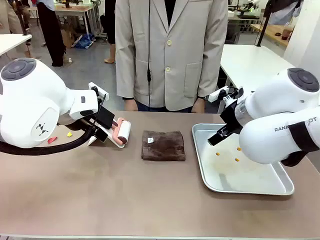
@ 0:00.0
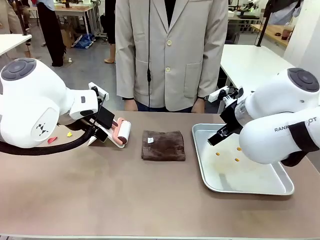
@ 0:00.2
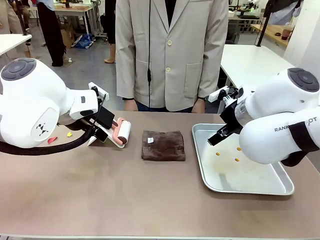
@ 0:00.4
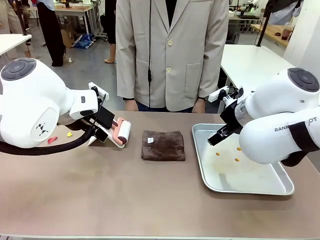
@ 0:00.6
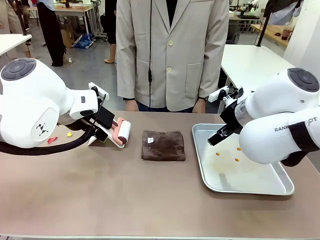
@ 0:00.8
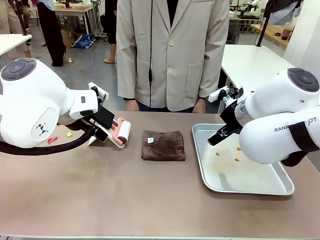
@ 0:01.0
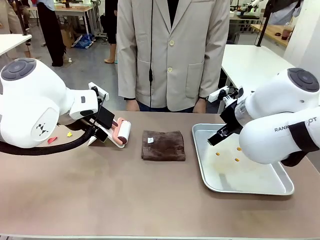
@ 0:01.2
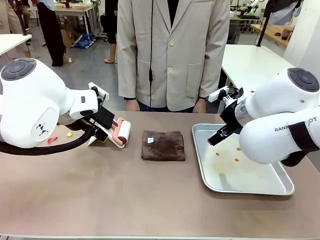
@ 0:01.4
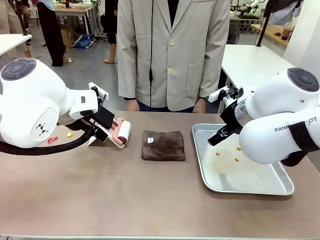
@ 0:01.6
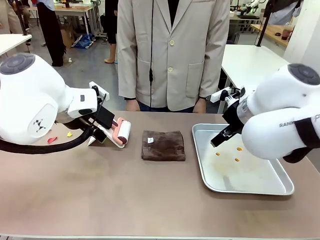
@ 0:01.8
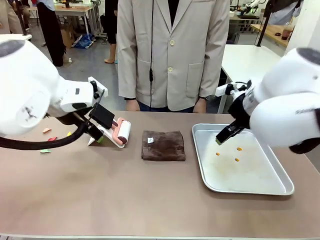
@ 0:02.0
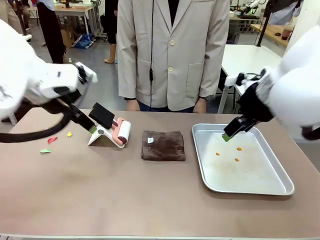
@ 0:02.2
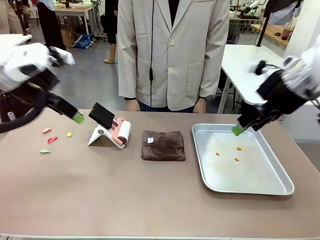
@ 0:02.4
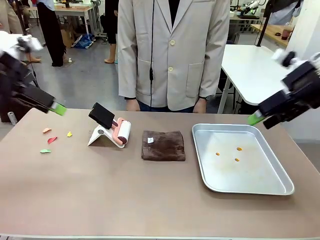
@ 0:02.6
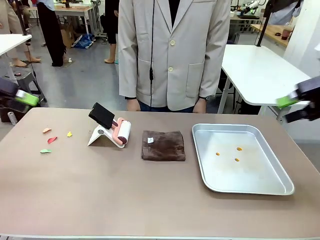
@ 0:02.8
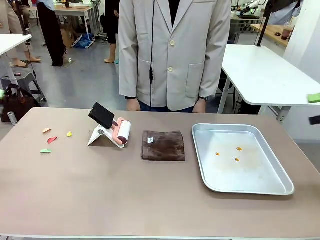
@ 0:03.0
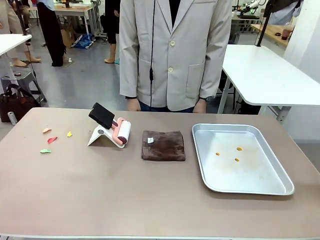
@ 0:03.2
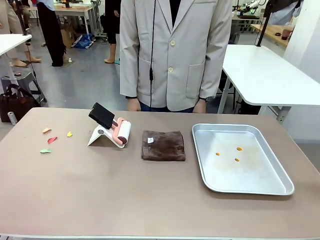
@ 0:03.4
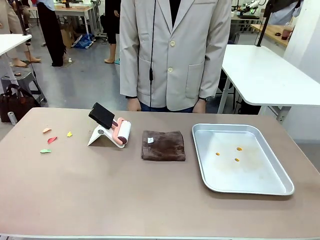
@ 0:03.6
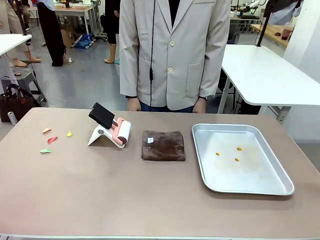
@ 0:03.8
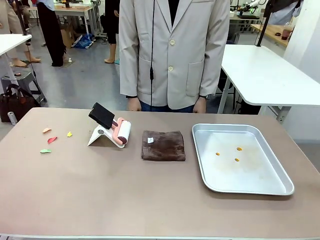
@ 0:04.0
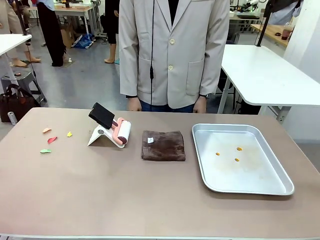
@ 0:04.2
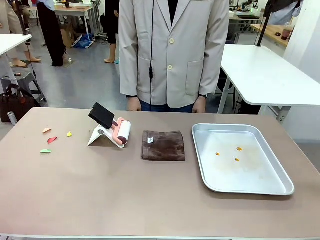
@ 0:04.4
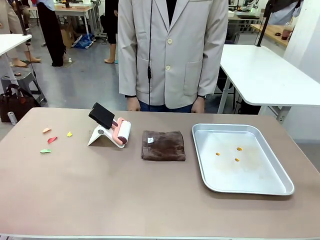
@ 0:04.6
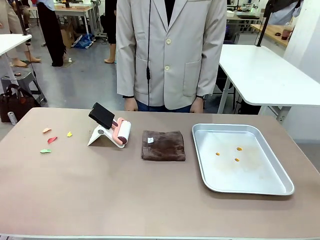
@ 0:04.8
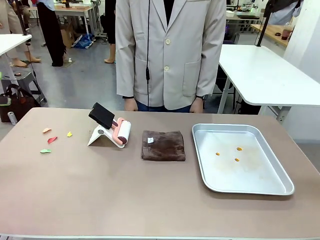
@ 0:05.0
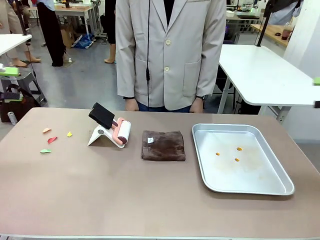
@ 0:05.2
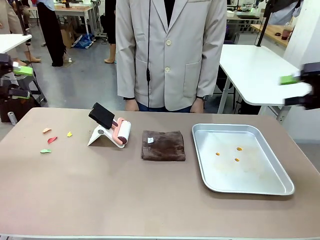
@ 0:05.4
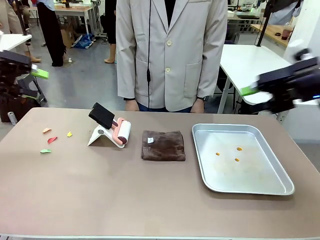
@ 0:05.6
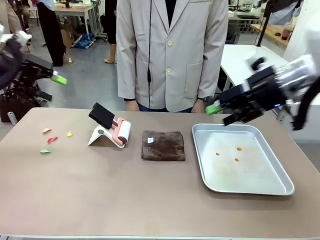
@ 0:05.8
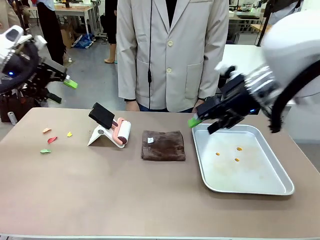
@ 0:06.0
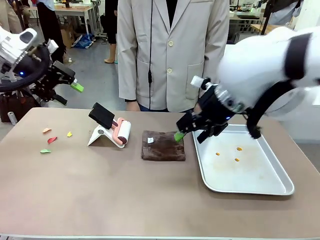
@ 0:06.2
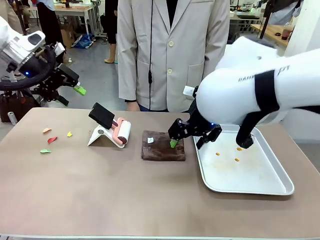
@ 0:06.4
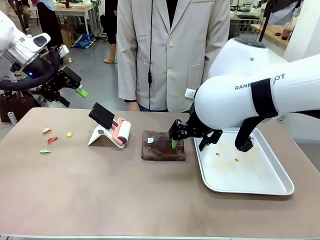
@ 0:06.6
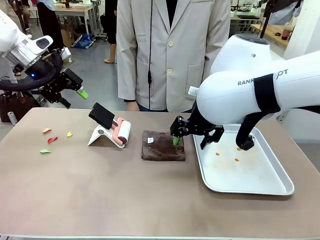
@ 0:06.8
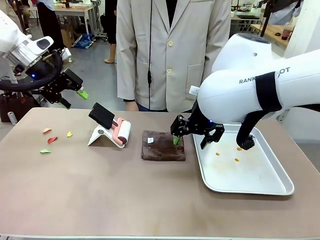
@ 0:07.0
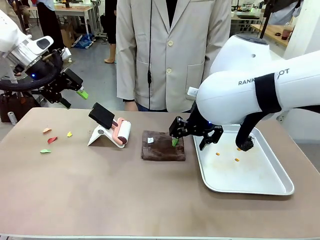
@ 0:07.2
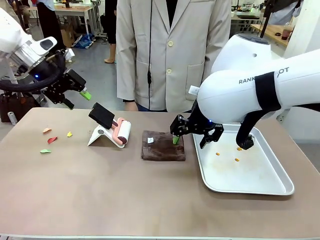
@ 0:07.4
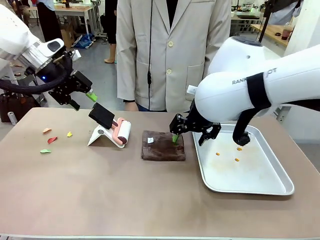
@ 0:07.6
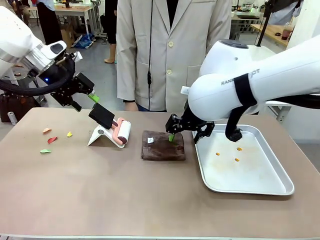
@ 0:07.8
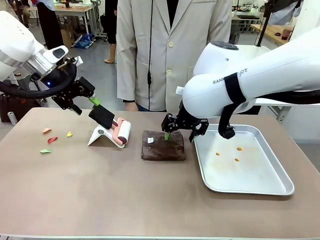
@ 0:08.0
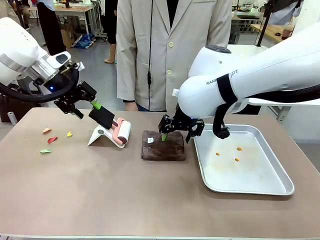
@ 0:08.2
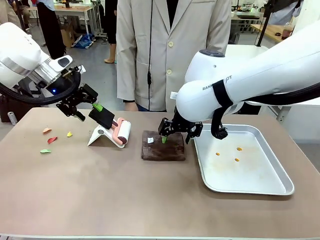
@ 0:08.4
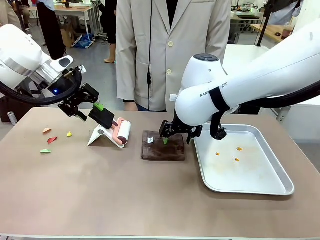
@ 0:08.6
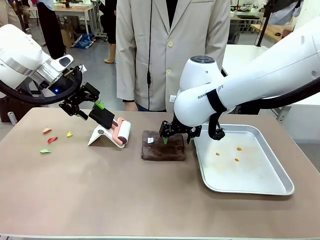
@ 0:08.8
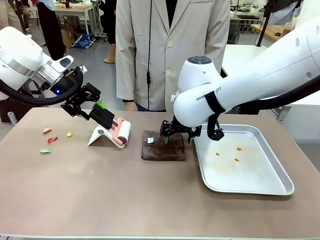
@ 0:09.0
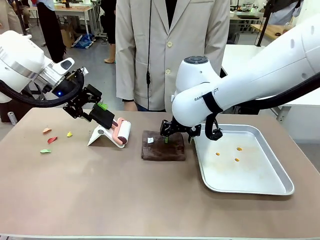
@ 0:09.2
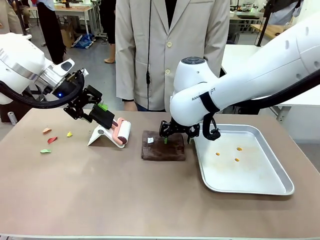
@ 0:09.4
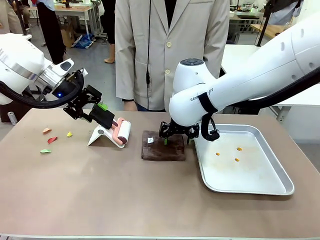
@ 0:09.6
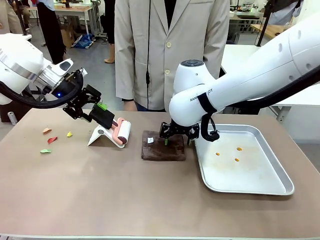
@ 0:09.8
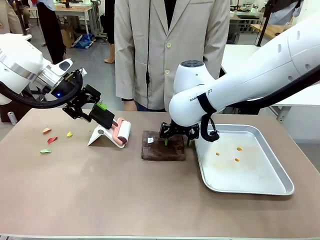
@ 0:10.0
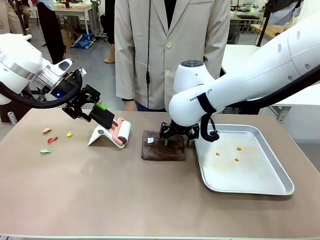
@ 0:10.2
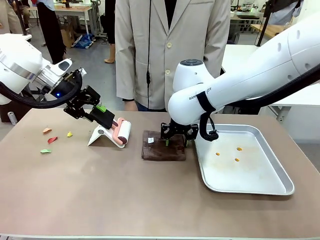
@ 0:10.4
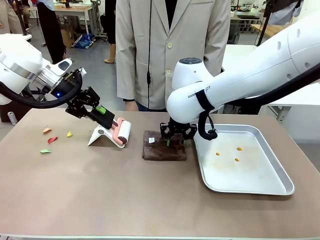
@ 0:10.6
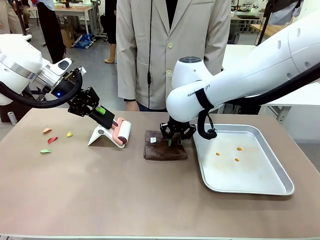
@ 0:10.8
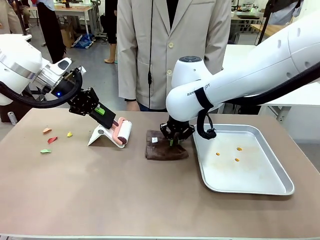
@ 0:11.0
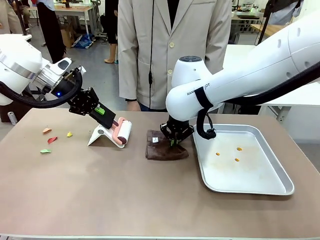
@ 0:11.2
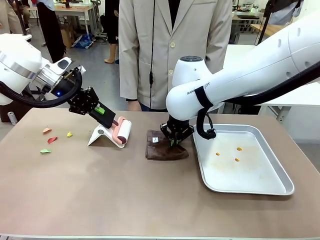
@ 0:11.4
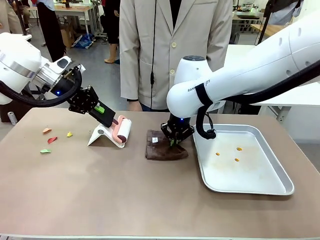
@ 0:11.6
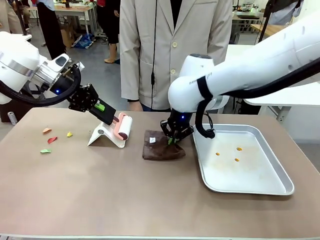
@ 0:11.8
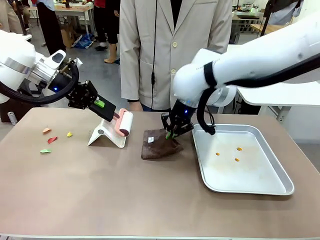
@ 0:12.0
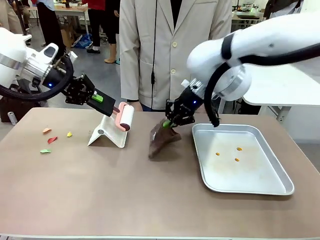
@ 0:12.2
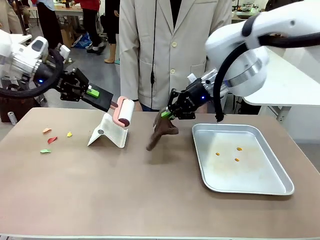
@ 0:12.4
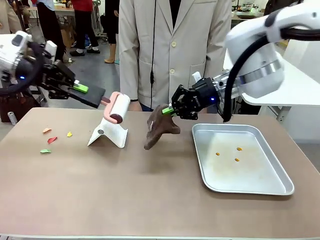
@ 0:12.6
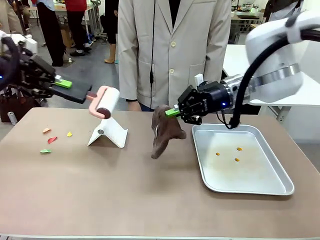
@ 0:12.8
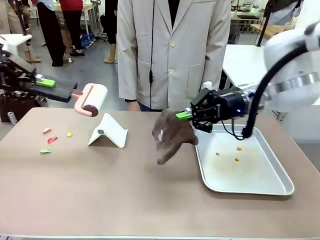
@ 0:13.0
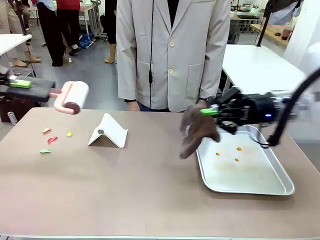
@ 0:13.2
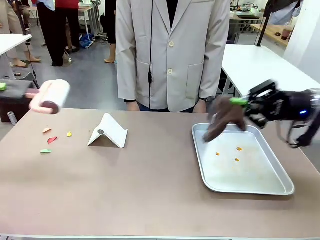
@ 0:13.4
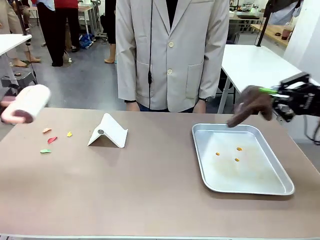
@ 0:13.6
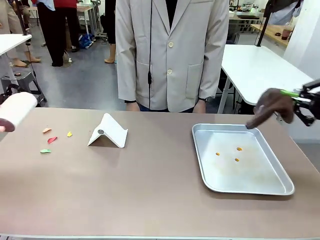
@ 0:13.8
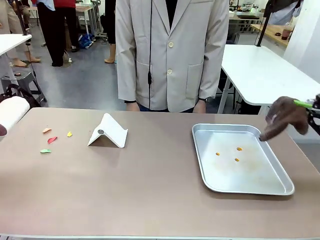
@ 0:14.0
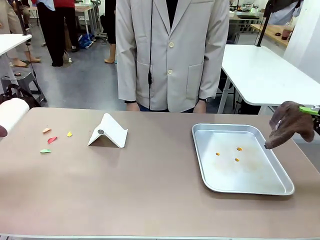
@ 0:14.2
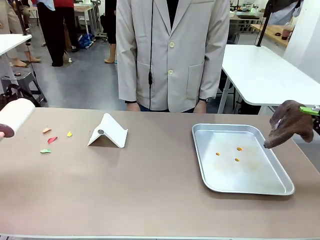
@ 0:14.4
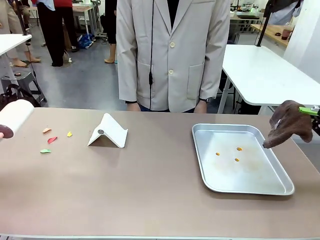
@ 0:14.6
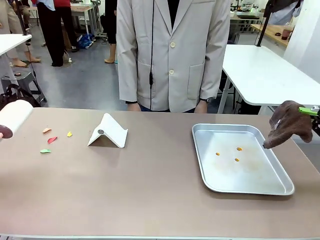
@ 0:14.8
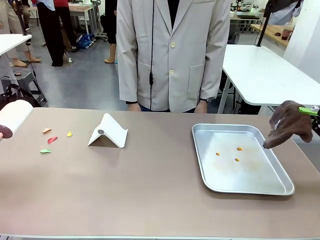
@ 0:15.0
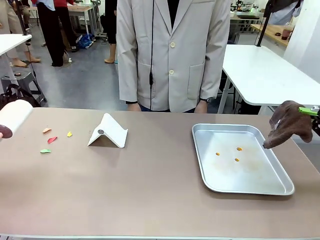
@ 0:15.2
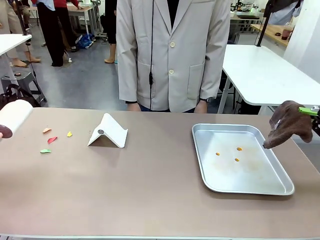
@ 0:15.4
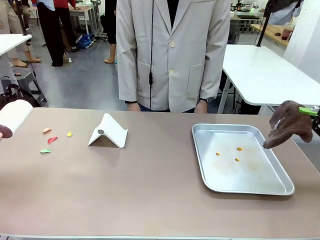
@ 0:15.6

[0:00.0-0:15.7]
Task: Clean the surface of the table.
Robot: Hold the Lint Roller with your left hand and the towel with your right hand.
